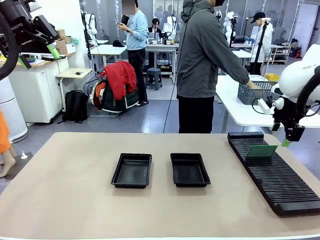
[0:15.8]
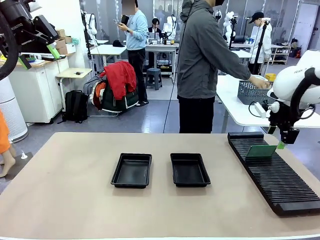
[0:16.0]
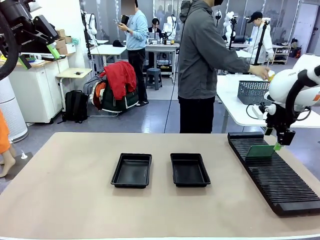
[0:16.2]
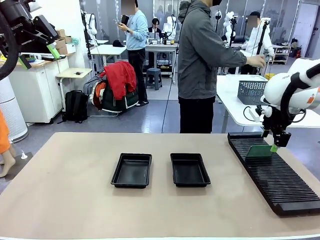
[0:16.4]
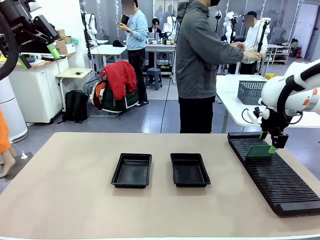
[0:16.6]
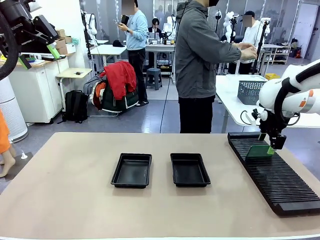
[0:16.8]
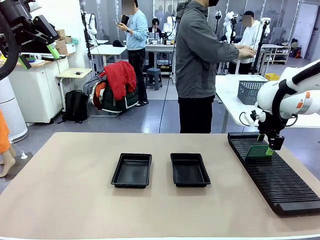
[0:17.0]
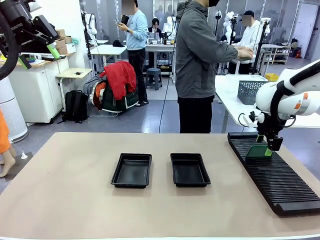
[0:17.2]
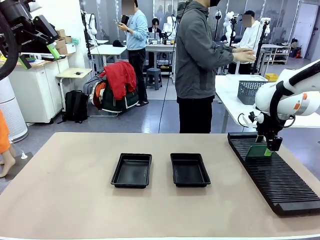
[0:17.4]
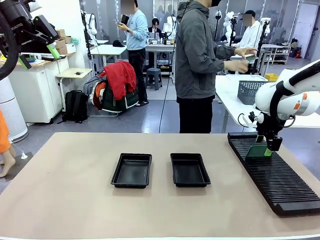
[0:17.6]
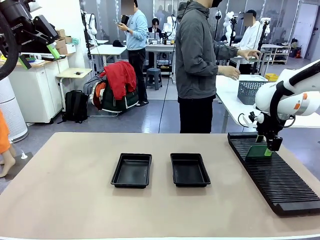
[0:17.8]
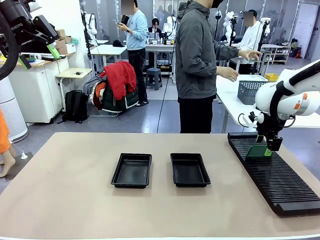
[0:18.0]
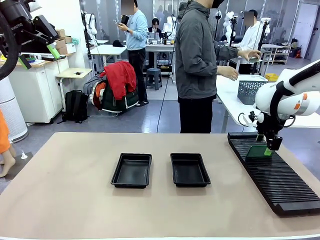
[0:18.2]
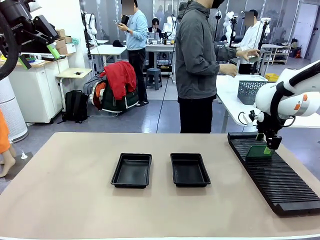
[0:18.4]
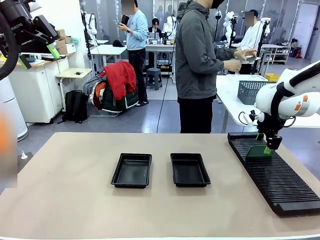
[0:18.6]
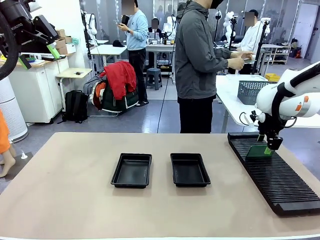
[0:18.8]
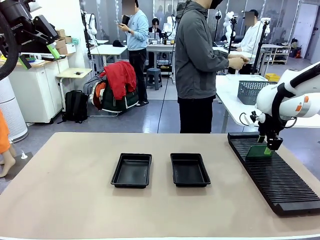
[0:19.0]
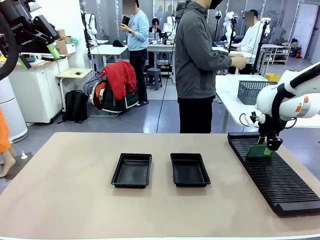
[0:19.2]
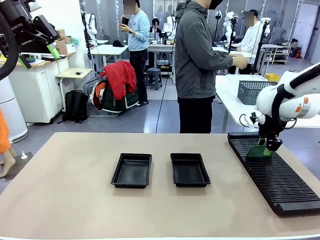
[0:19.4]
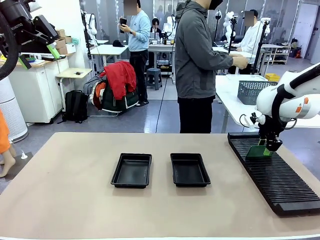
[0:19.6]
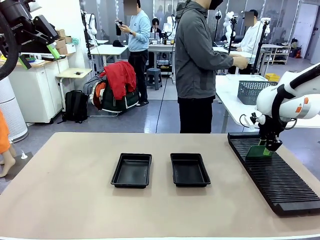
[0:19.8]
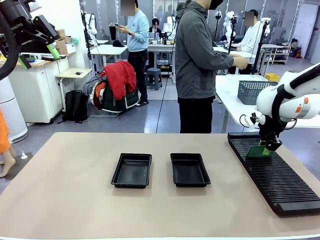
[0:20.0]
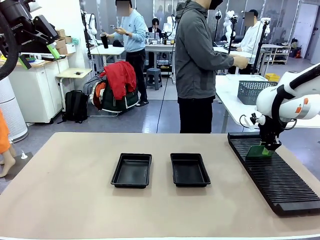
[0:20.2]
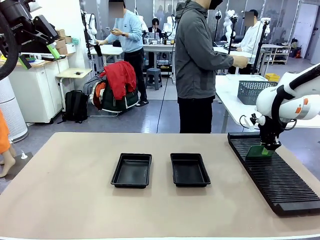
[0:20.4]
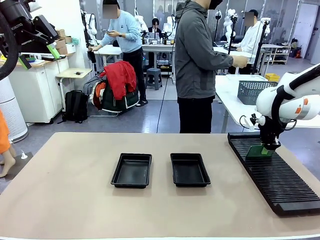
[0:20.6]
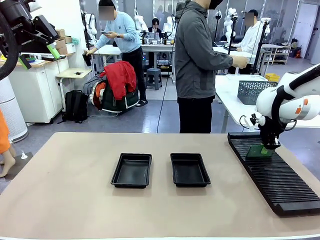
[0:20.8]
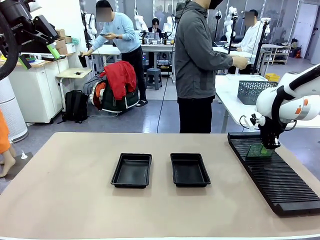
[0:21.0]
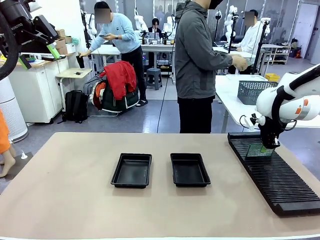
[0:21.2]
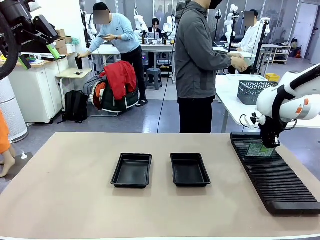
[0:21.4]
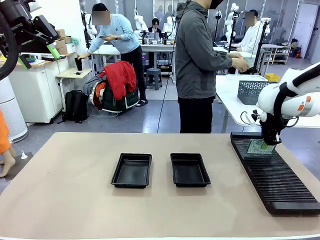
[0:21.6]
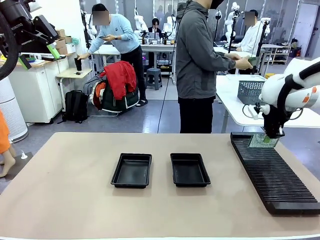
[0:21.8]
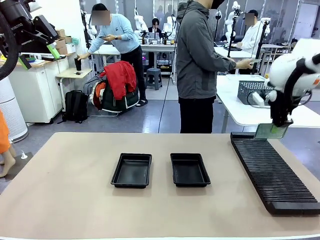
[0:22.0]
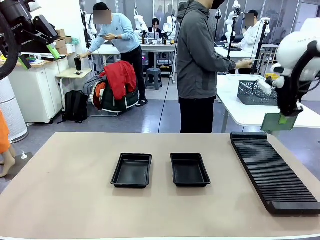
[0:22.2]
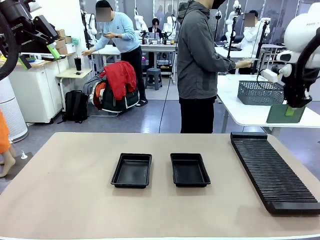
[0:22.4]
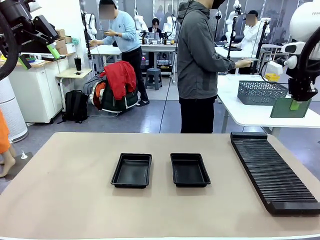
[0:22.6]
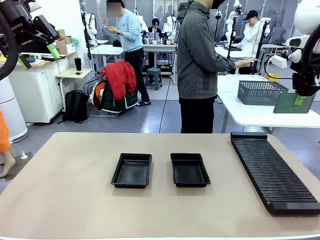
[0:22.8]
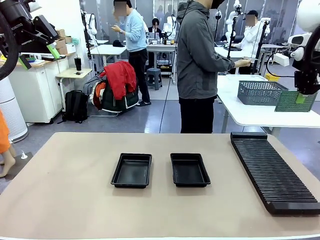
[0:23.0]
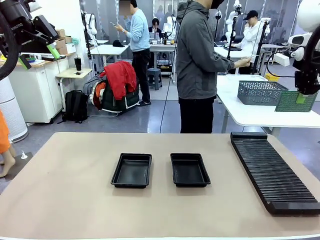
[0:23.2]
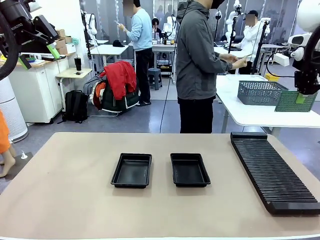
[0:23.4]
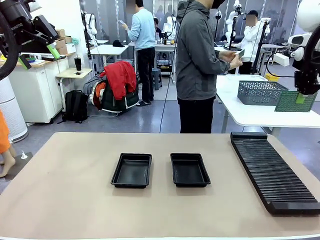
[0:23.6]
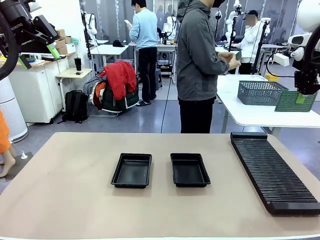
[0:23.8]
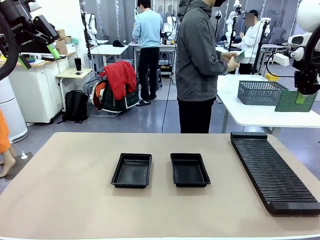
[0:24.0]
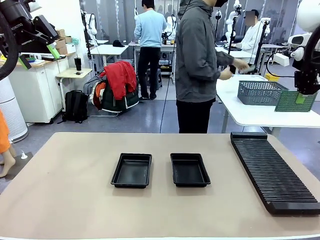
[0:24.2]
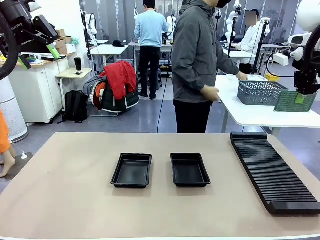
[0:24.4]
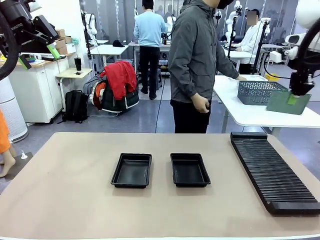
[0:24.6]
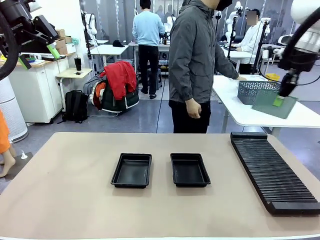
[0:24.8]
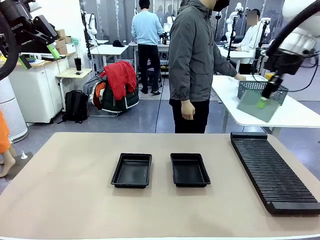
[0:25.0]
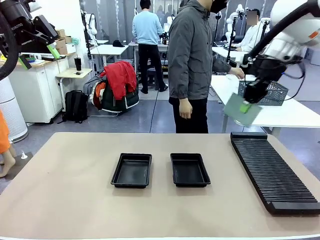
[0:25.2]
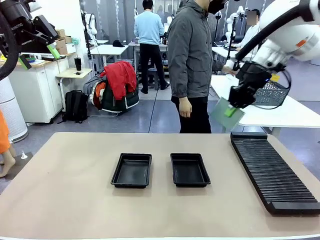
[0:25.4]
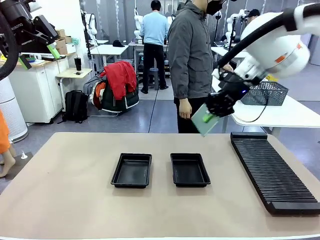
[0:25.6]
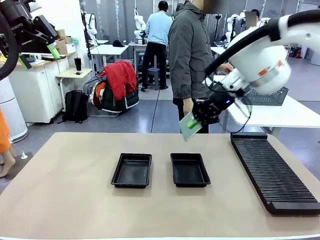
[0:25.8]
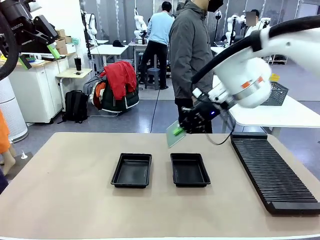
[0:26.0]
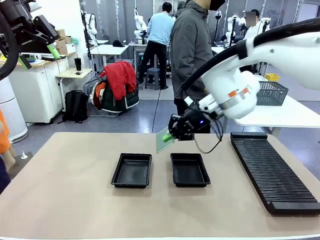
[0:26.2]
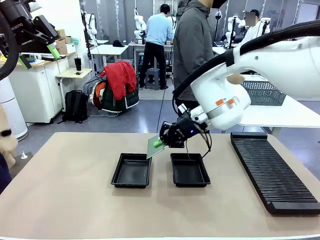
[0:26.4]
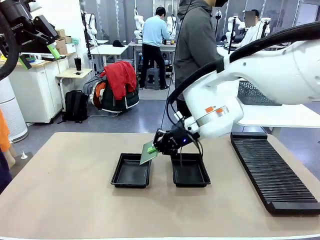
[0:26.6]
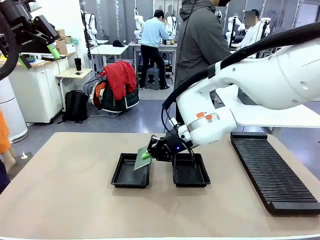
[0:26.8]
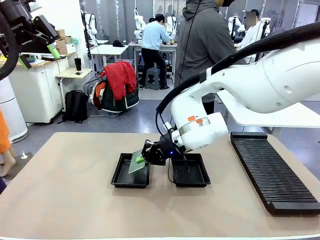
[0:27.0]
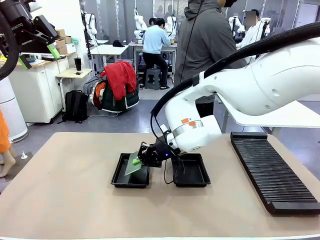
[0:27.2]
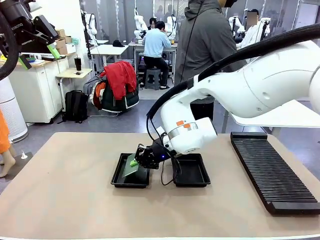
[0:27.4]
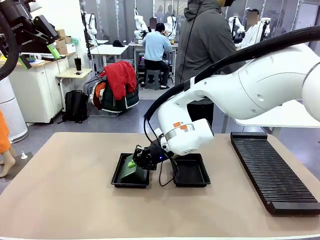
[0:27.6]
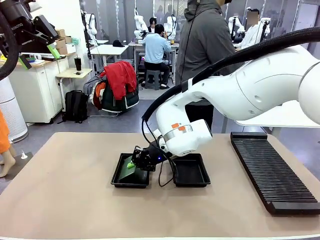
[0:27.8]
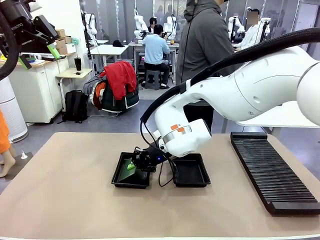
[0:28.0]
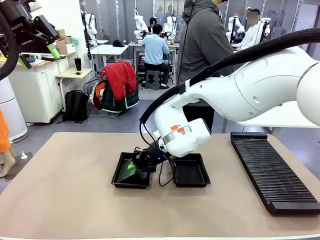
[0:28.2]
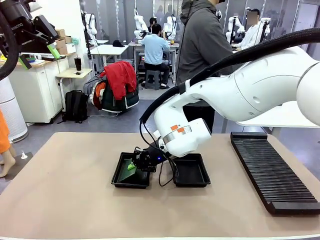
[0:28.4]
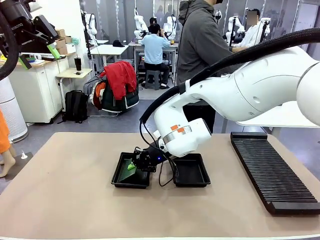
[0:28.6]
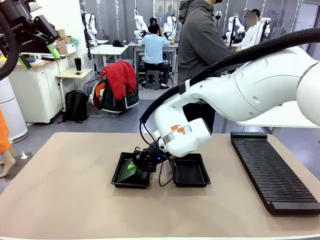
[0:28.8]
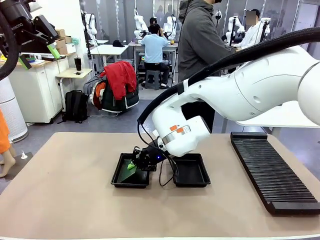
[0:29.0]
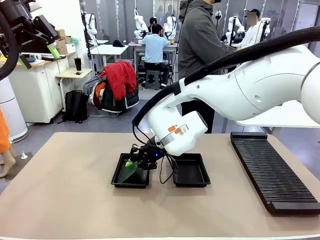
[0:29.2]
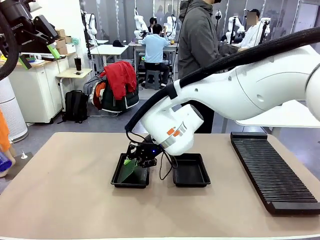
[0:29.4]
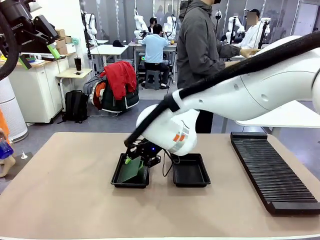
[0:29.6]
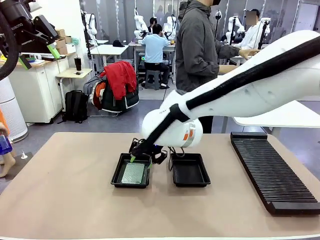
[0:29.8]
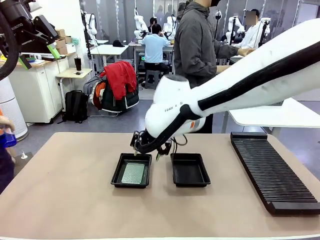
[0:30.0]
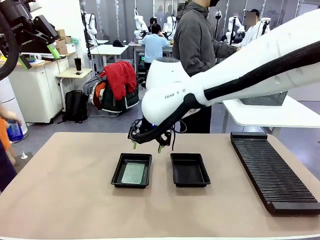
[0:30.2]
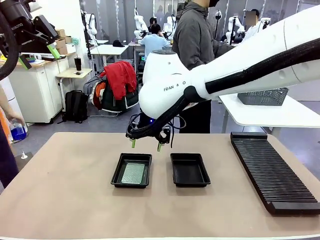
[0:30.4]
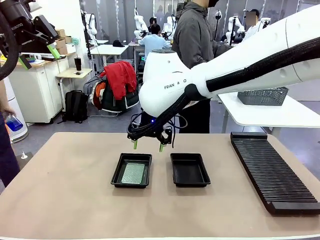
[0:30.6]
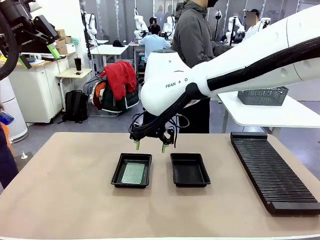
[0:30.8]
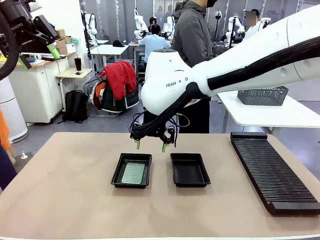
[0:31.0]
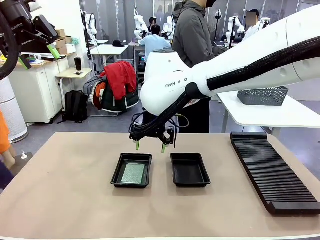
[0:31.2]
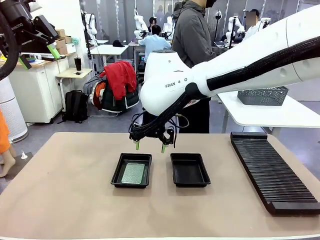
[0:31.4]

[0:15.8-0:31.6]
Task: Inspect and transfer BCBs to ESD trays.
Robot: Pick up the Blank PCB from the PCB Rack and place it in the left ESD tray.
